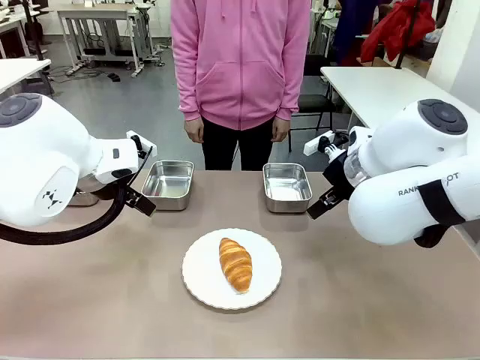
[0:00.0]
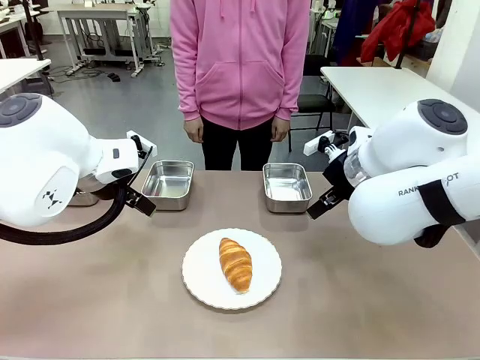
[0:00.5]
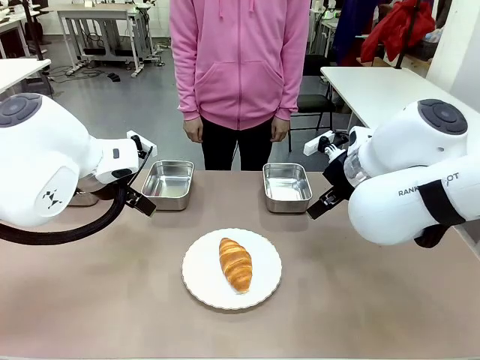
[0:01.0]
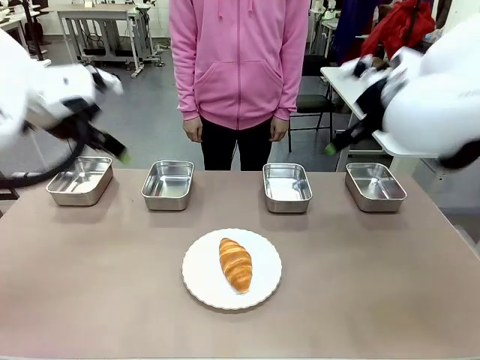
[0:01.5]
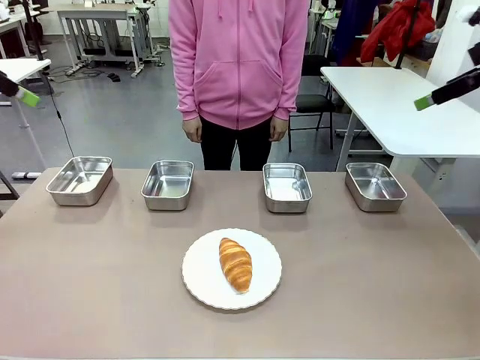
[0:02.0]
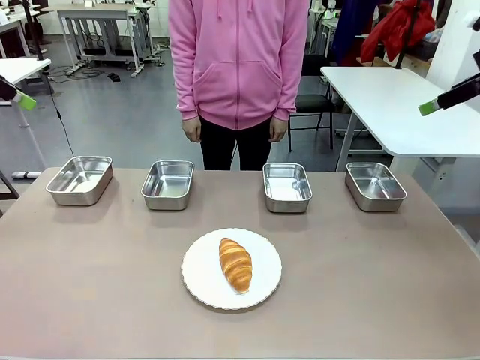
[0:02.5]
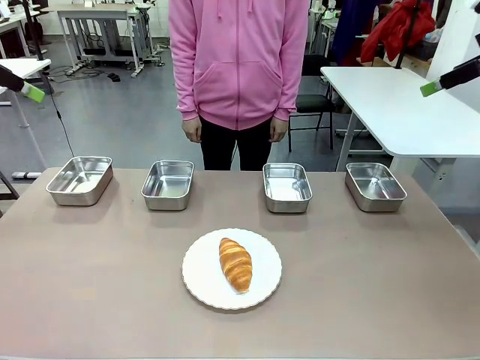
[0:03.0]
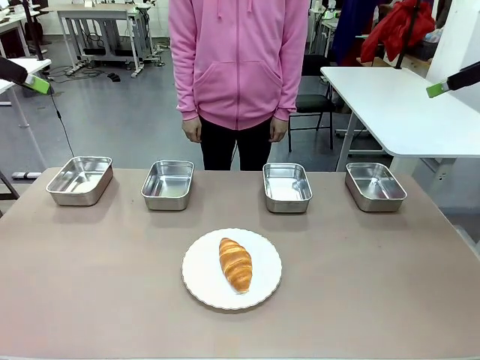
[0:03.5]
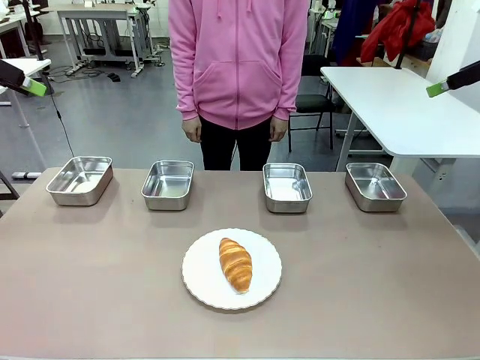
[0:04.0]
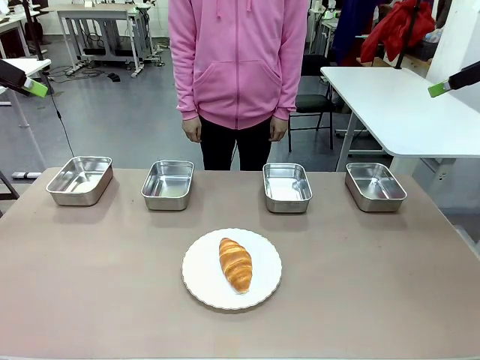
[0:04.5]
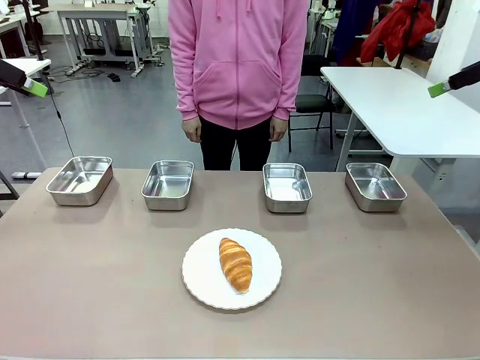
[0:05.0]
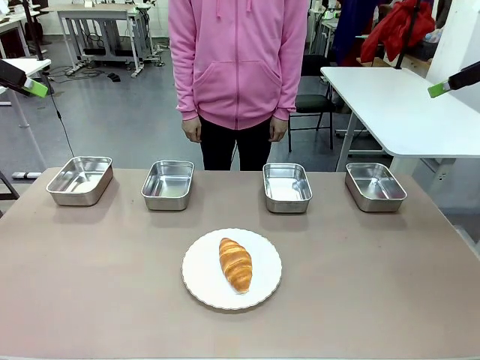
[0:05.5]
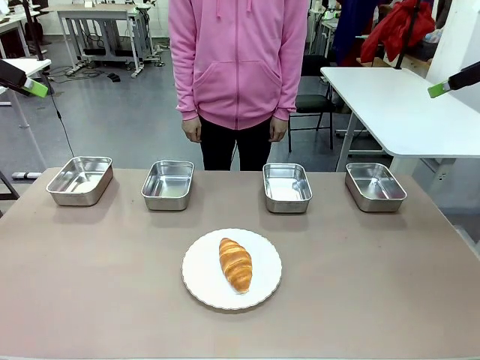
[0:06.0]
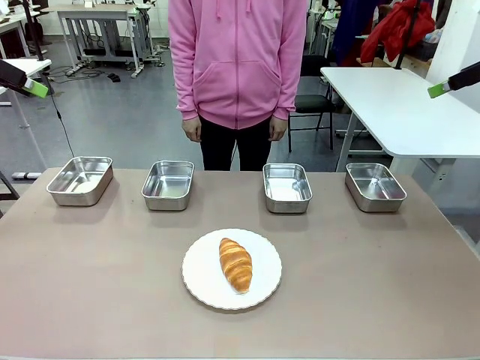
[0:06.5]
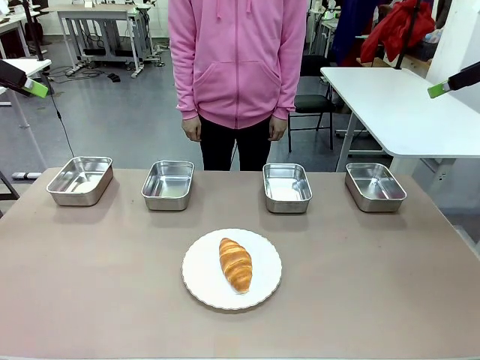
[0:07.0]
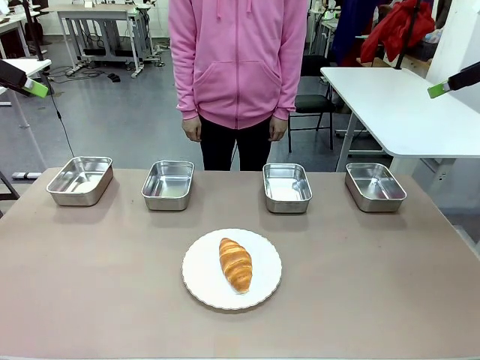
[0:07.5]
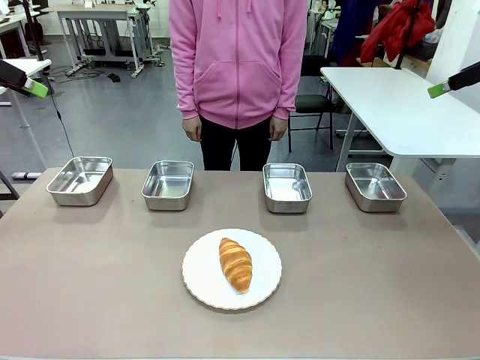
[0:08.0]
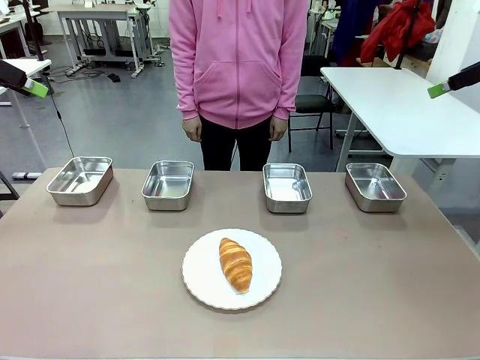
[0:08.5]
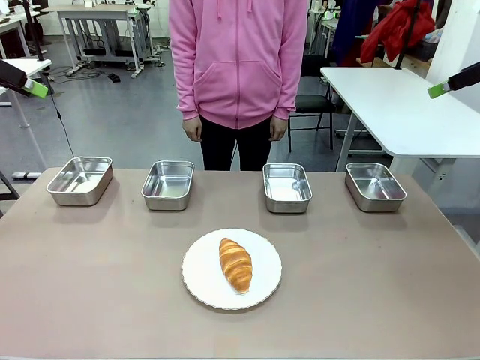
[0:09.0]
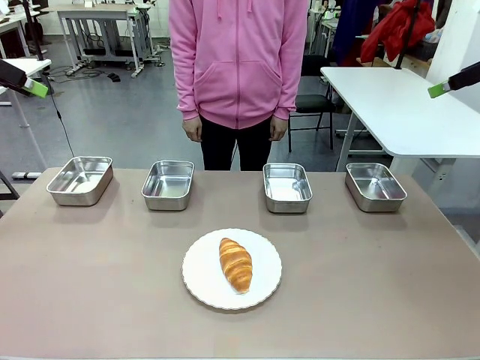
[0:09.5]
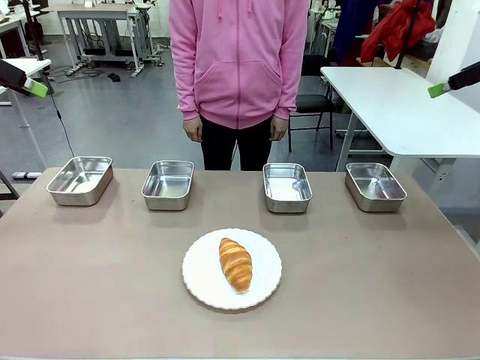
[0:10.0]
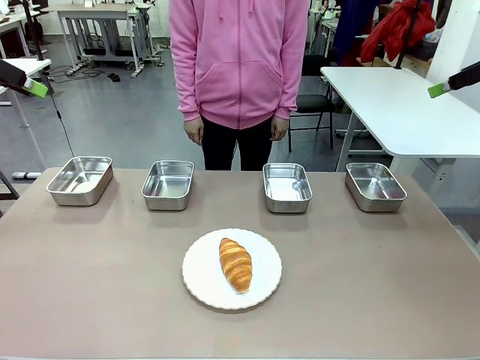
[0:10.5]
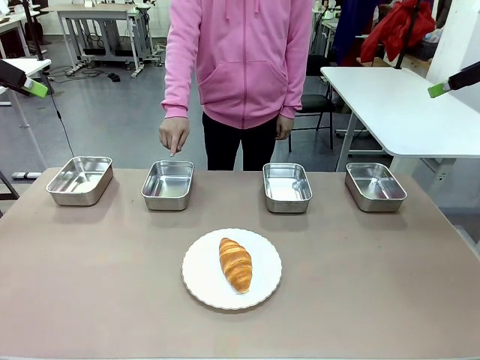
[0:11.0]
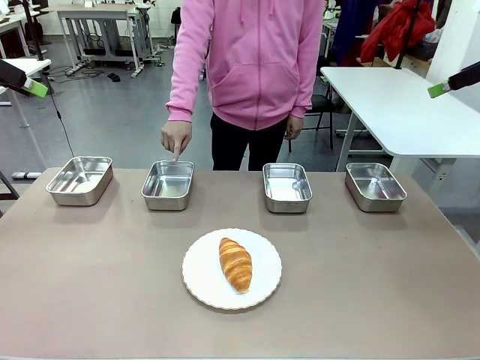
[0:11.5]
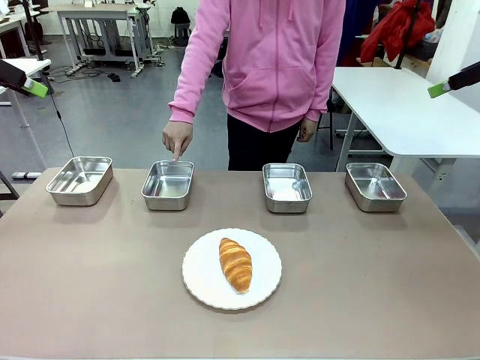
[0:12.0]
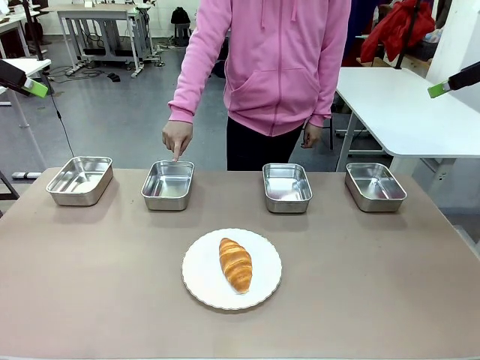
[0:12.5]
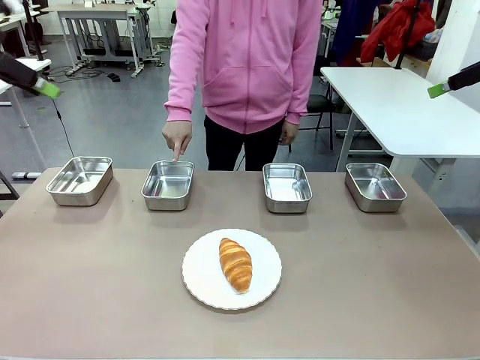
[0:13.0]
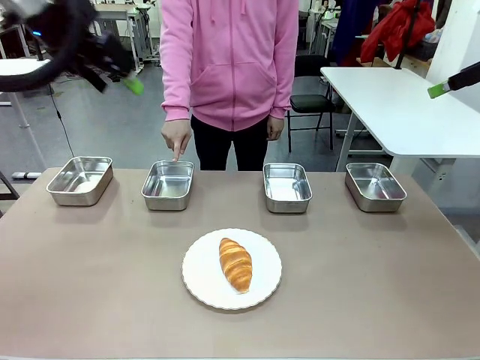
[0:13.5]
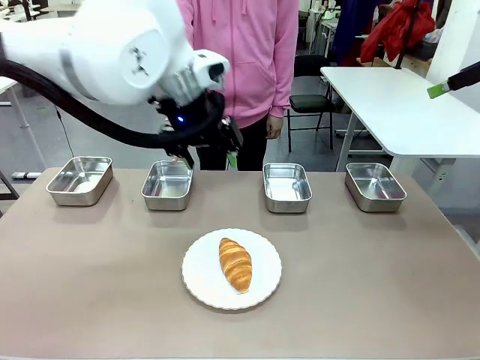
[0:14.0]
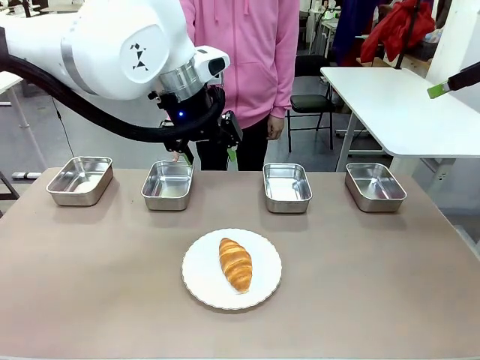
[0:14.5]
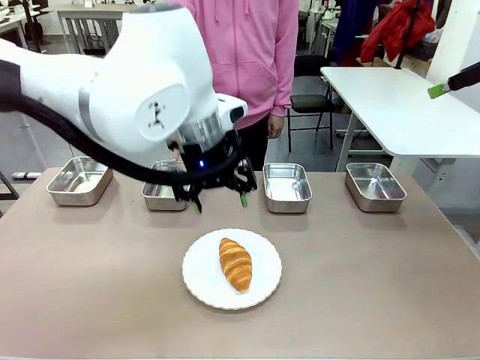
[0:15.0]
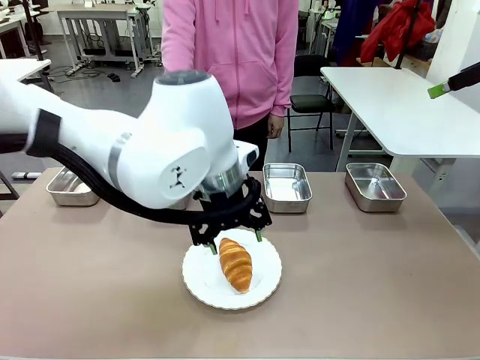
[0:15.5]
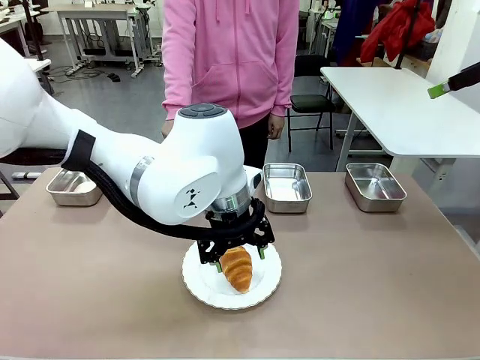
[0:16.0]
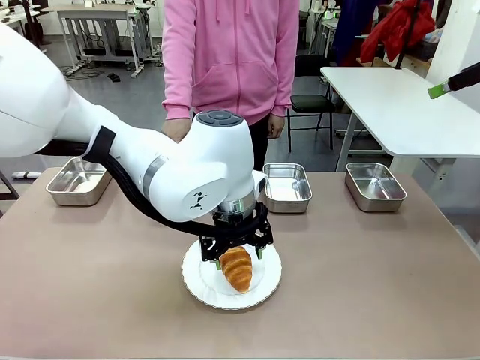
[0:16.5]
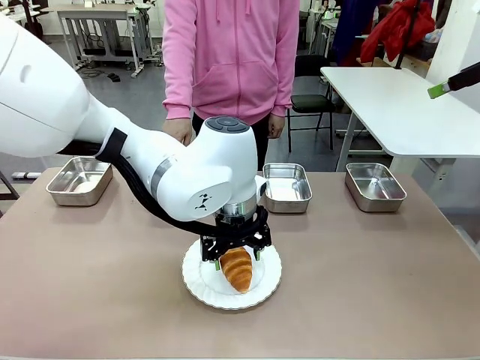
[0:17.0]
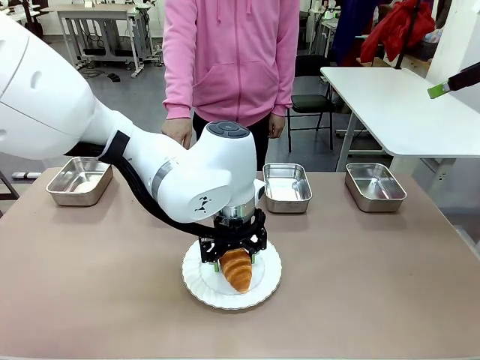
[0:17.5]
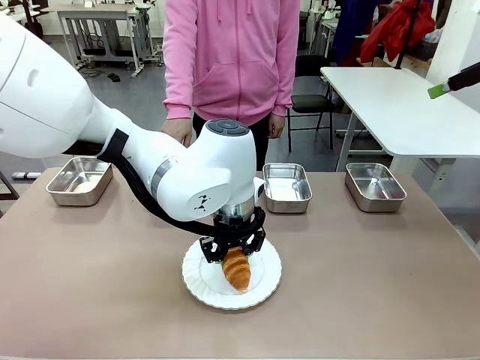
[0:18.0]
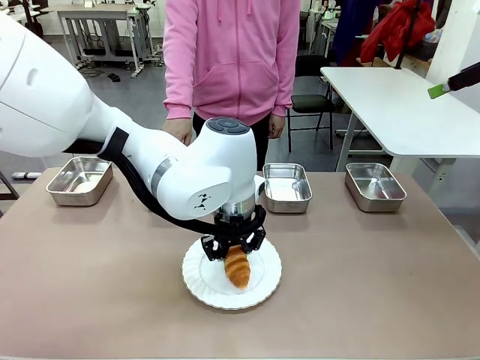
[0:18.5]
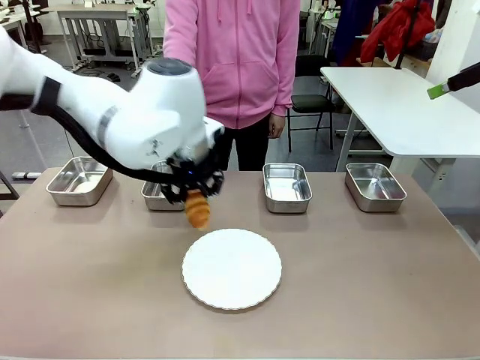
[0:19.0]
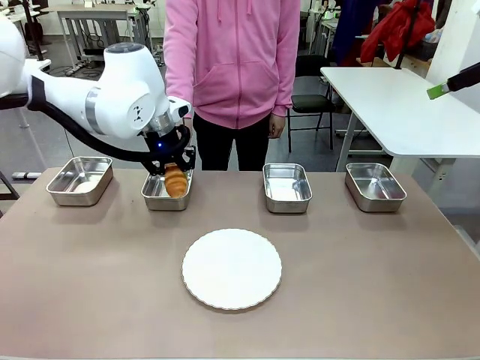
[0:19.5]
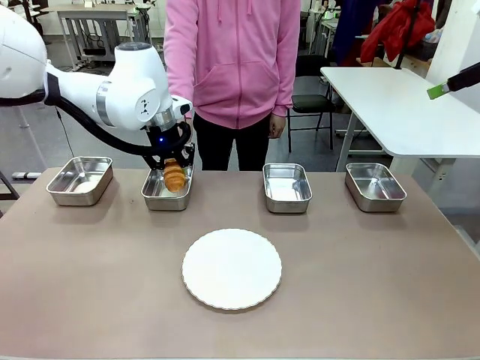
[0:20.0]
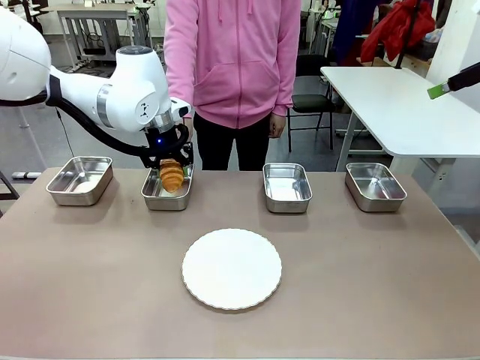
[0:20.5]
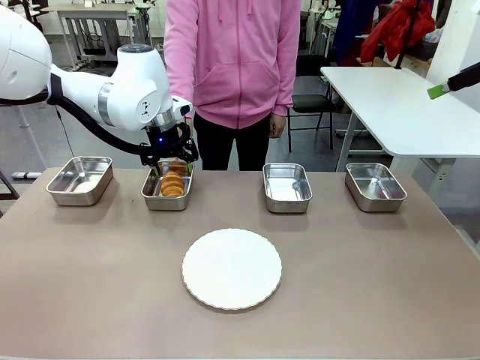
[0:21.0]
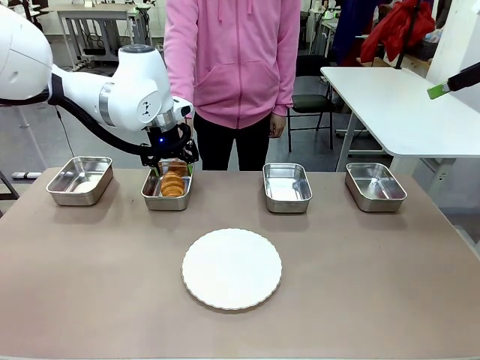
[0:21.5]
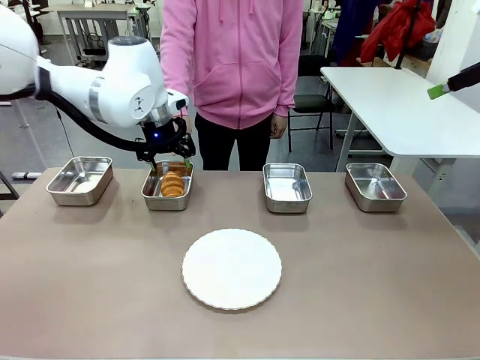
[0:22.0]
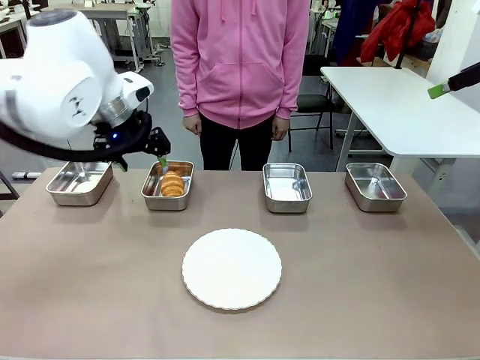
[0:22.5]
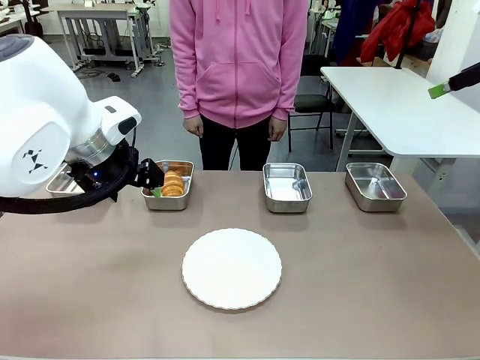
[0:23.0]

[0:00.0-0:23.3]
Task: Place the bread in the container.
Robot: Place the Butter Roll into the Airtight Container indicated by the human.
Person: A person randomly selects and points to an Airtight Container.
